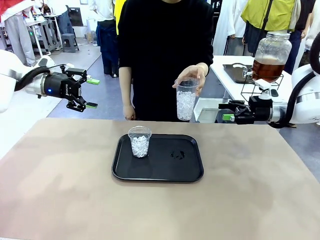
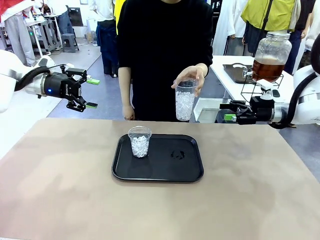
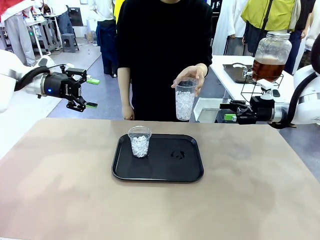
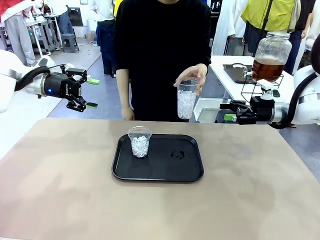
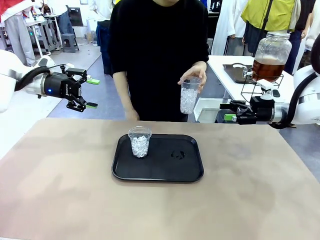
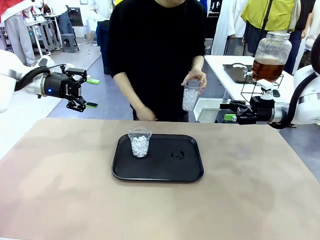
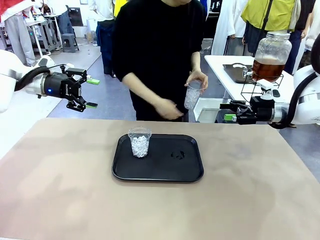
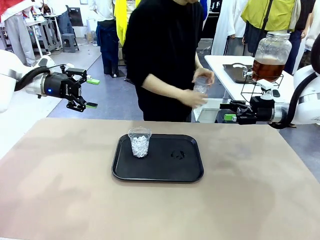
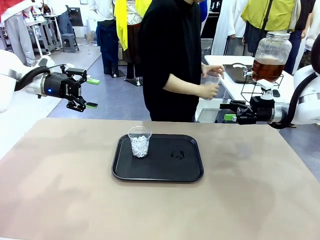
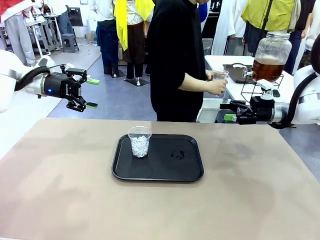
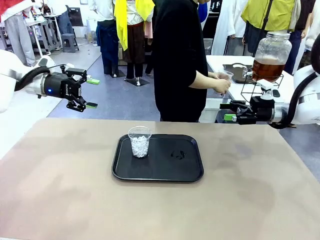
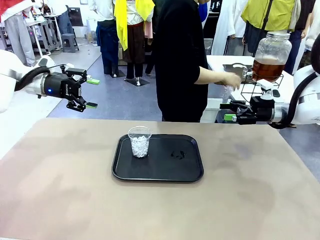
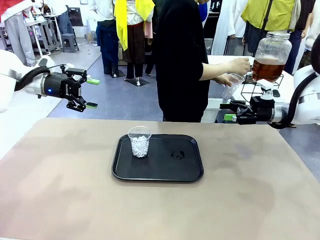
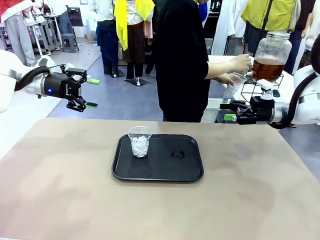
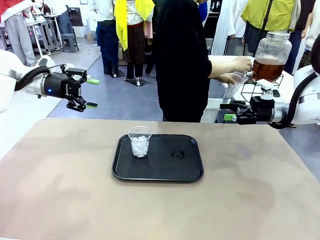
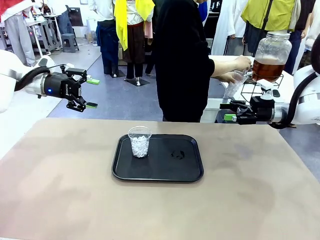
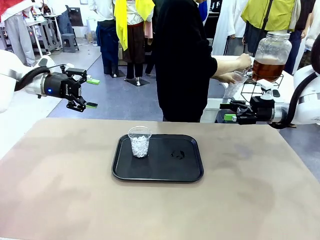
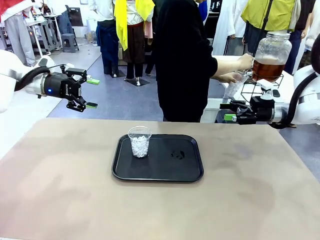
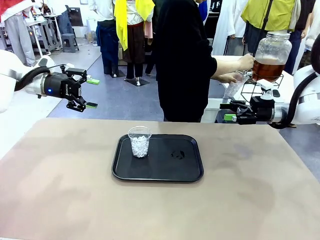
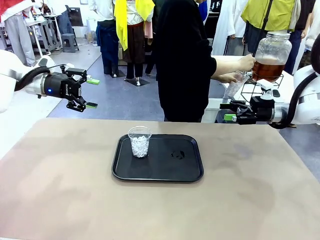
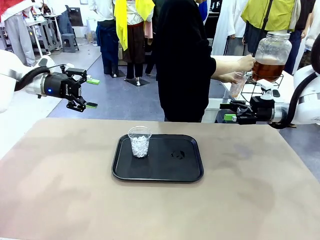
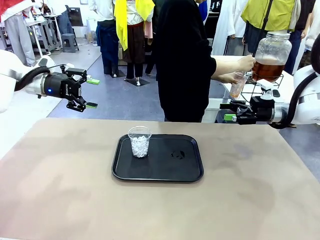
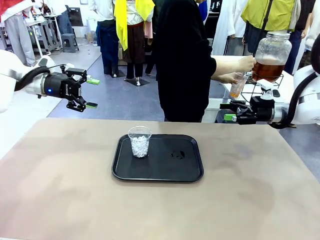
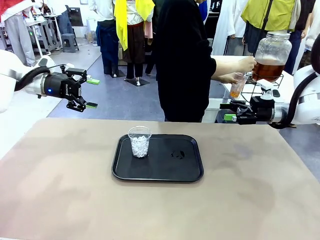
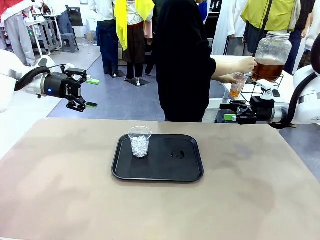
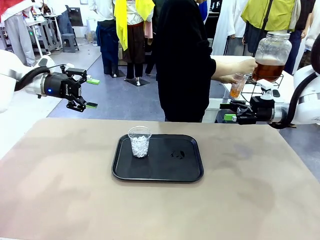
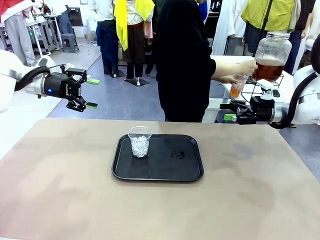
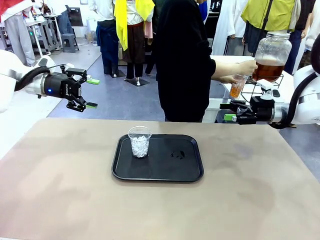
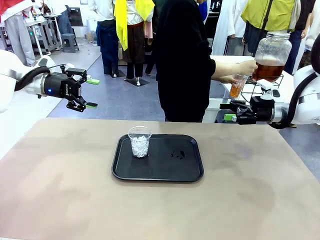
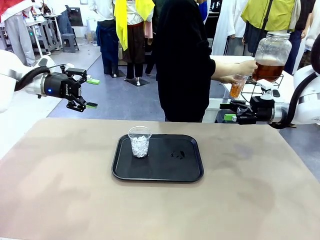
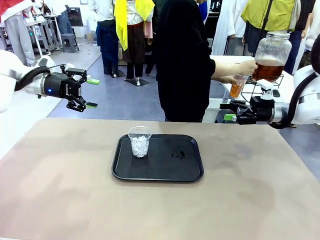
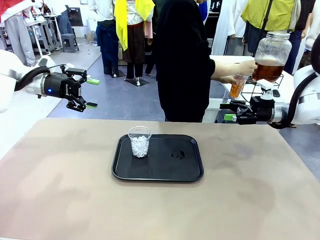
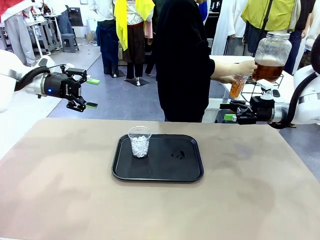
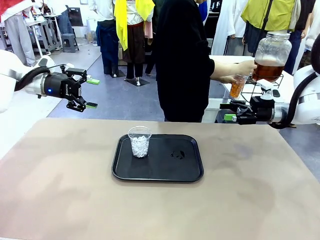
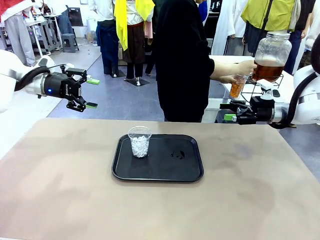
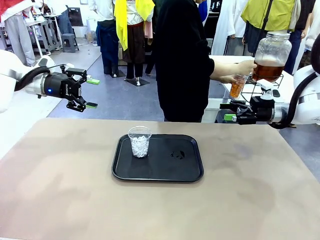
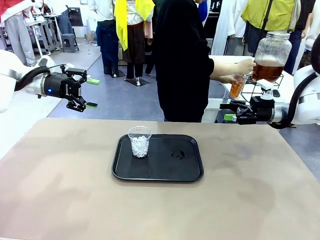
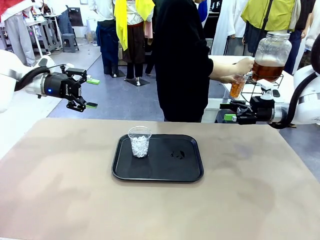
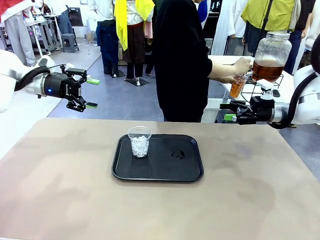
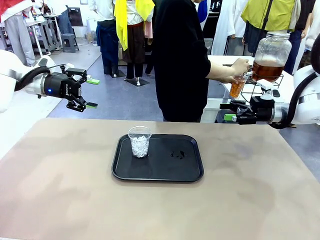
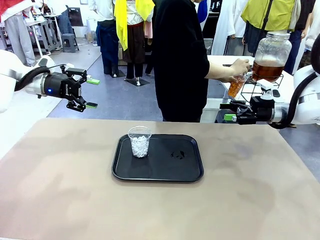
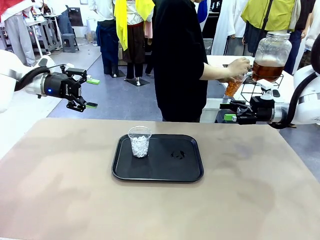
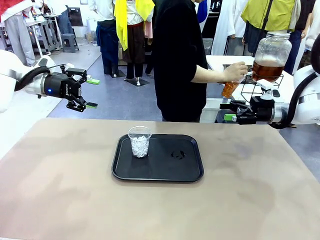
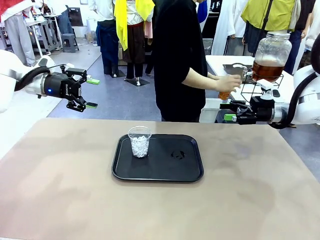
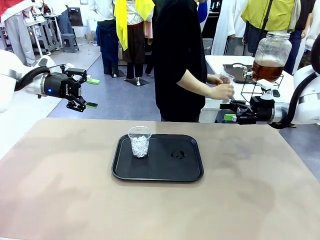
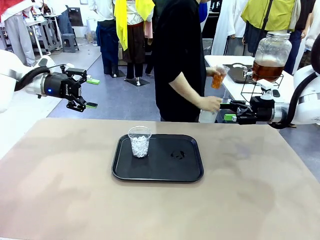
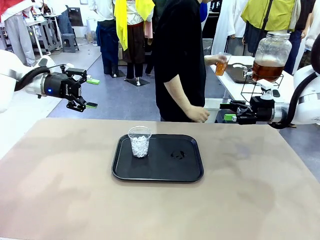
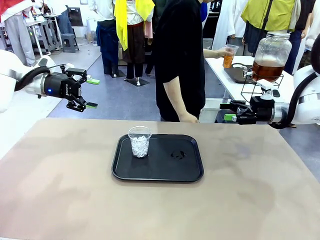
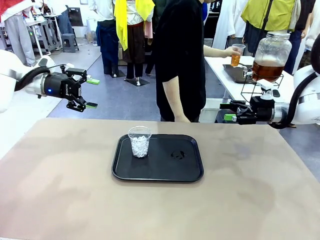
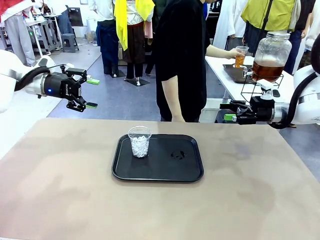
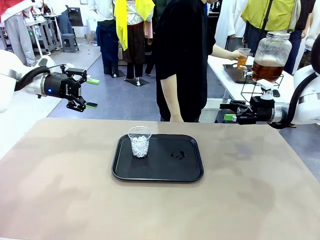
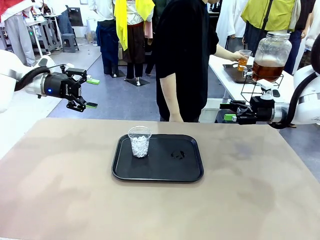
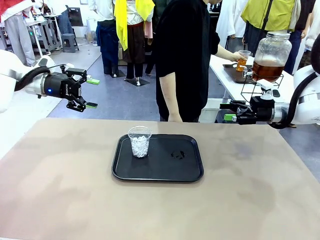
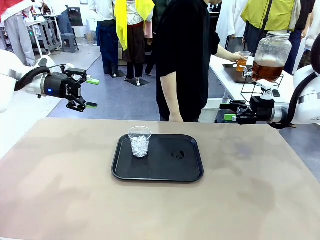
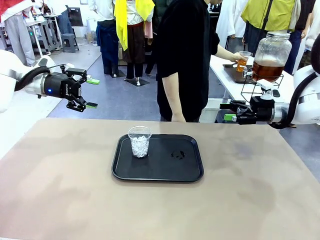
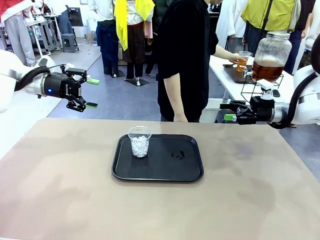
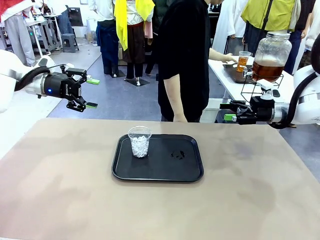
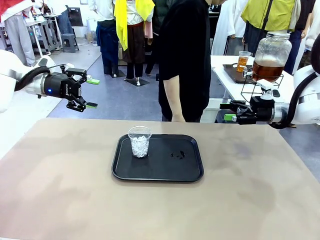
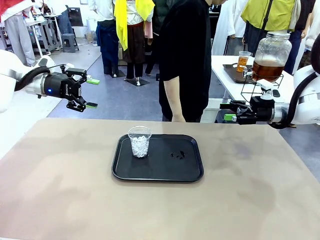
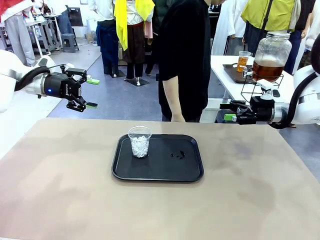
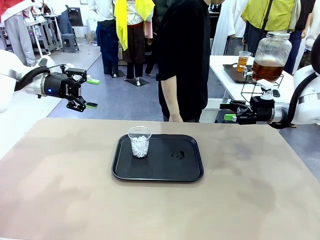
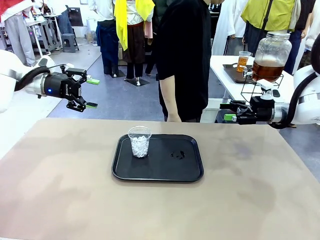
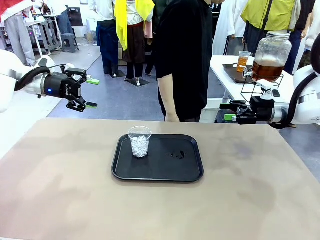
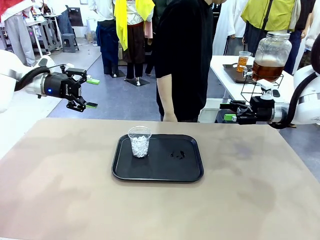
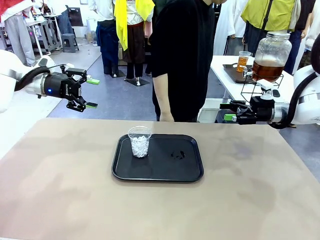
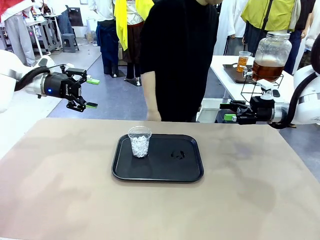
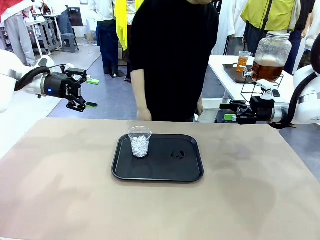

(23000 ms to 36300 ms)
Task: Pour the drink into the iced cup.
Robot: Pick up the iced cup indicated by the human and present it to them.
Person: Move the picked-up cup under the dispenser faucet, pour the drink, and place it on the tray on the human table.

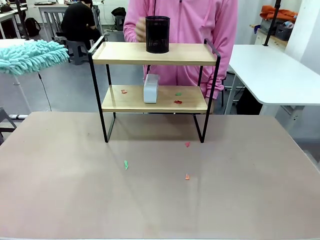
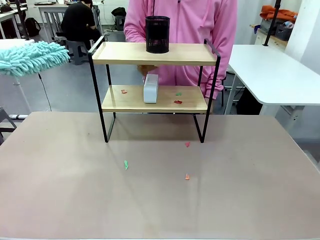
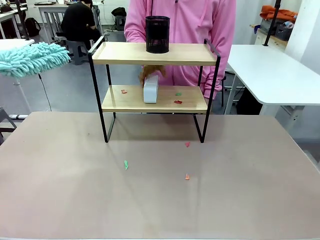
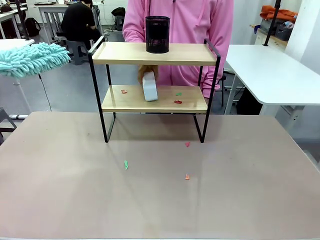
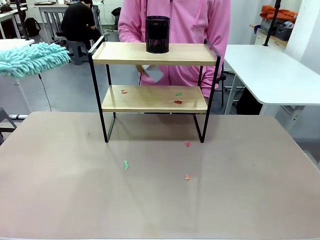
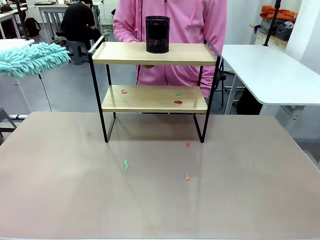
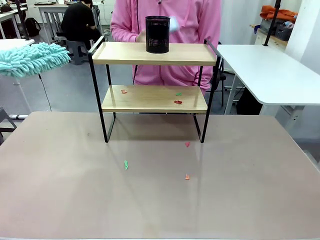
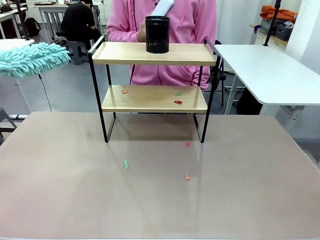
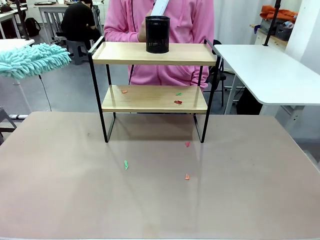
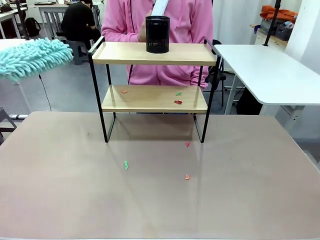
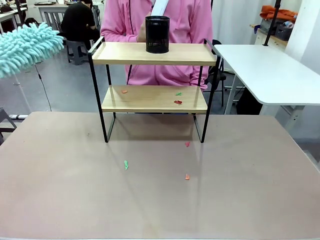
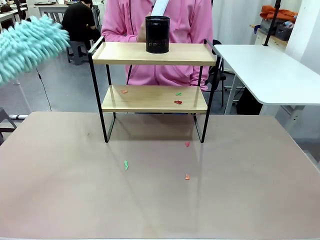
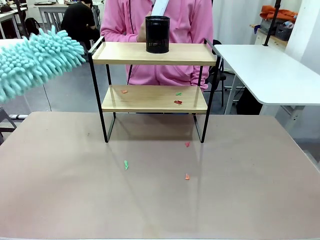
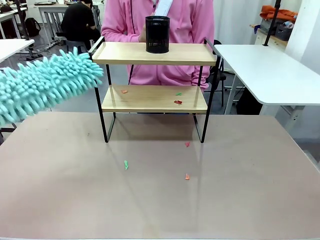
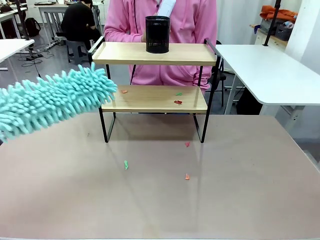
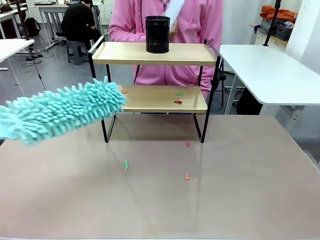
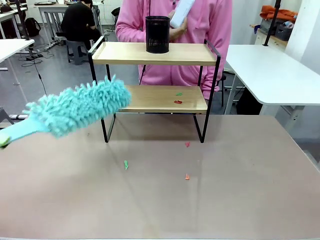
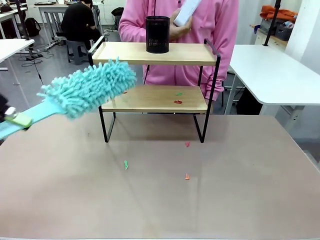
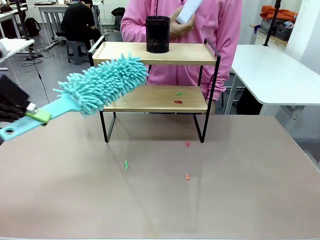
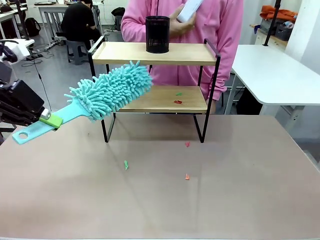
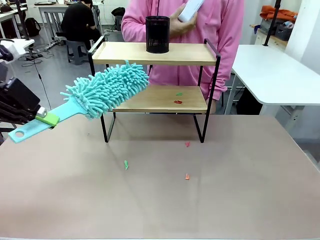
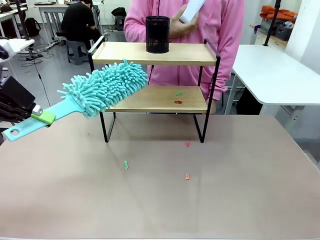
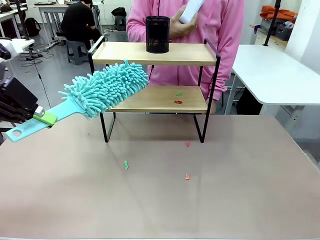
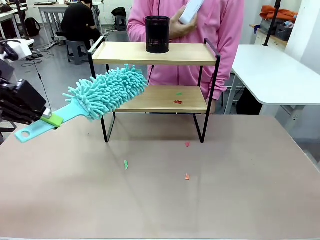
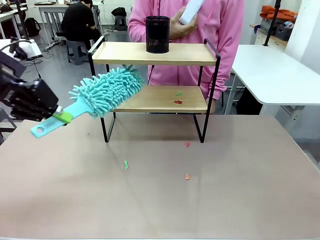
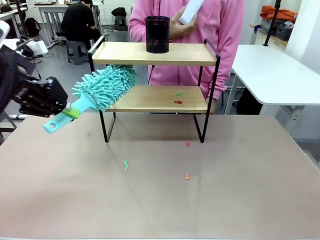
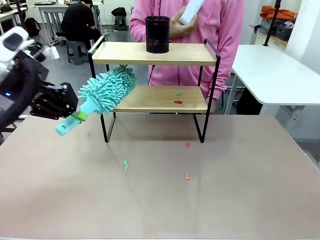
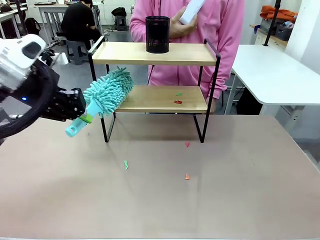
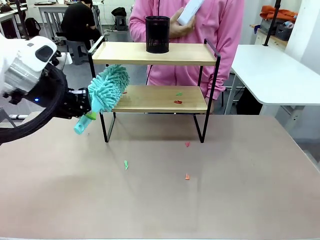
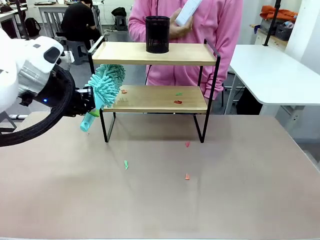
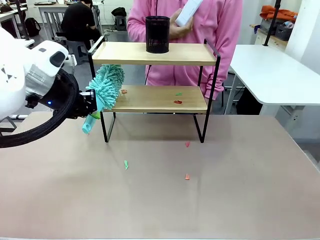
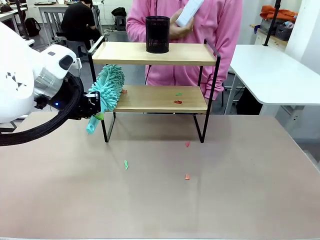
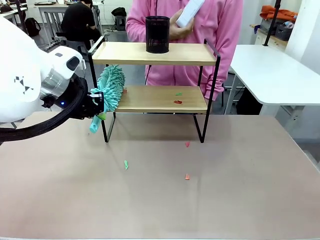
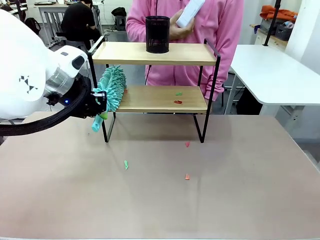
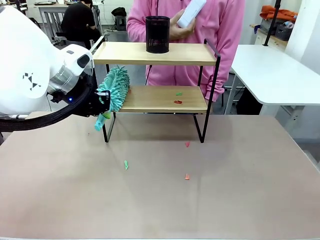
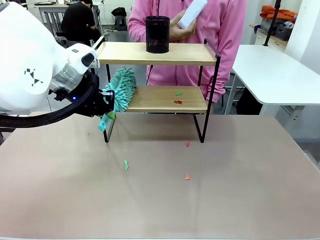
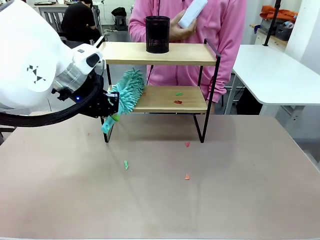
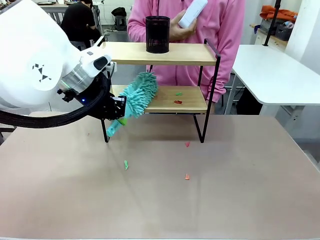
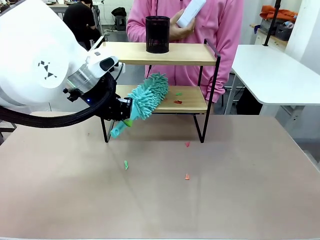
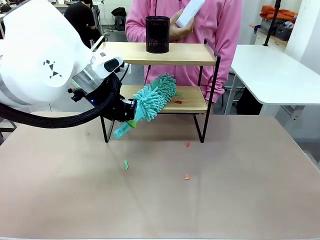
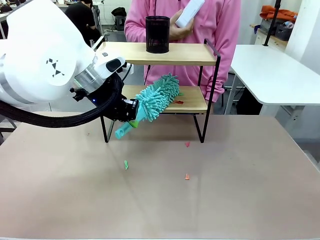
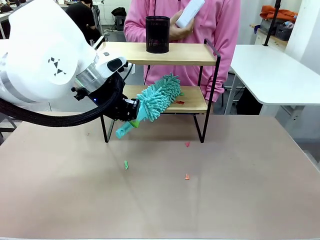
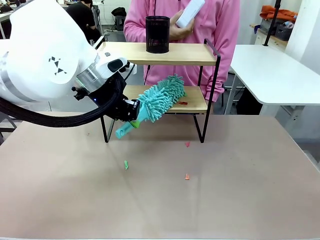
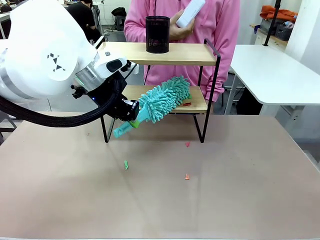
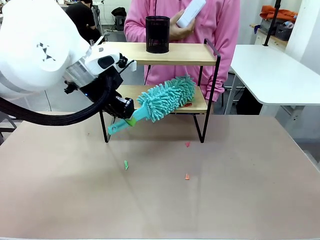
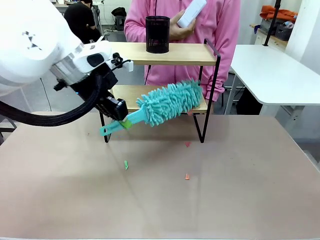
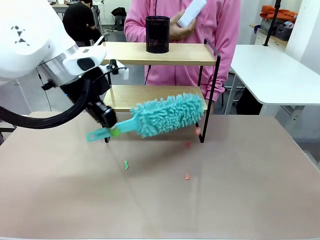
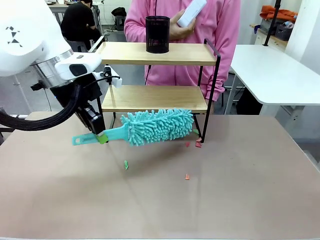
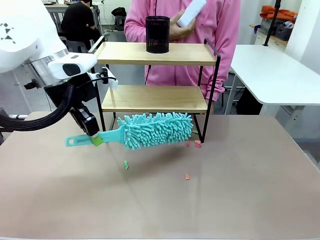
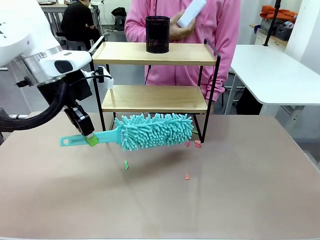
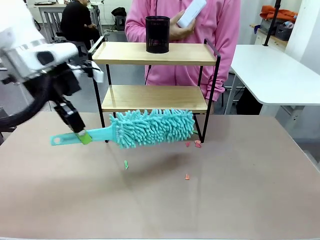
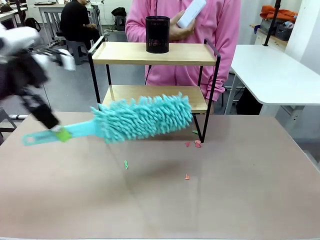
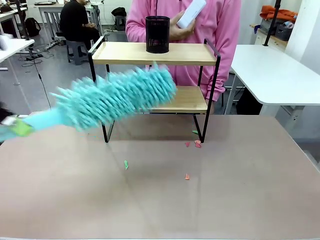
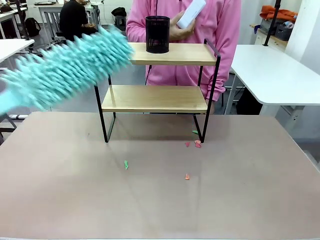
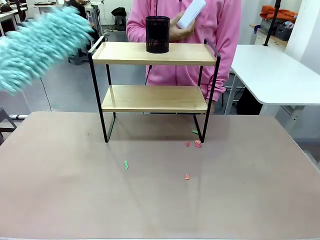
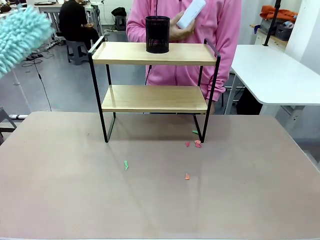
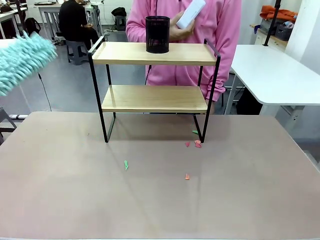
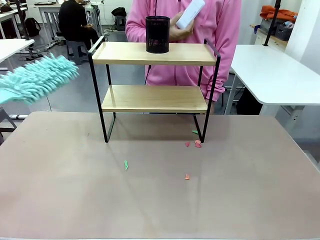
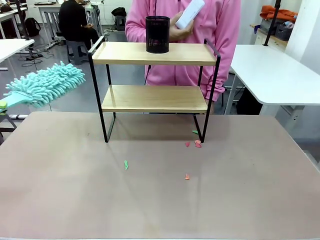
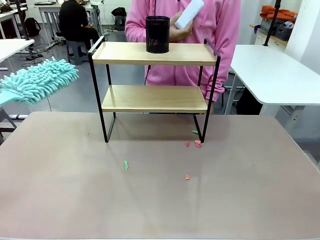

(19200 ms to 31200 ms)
Task: Clean the shelf.
Robot: Clean the remaining tier of the Shelf with the Duster once objects are removed.
